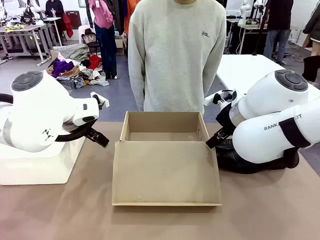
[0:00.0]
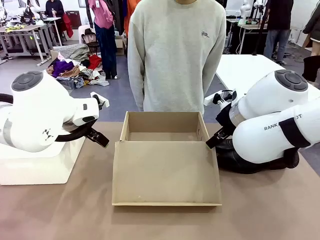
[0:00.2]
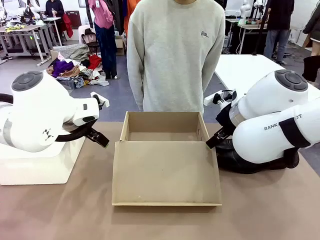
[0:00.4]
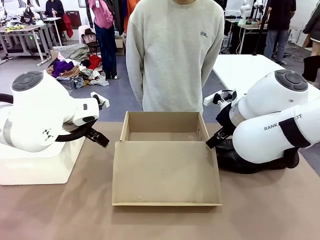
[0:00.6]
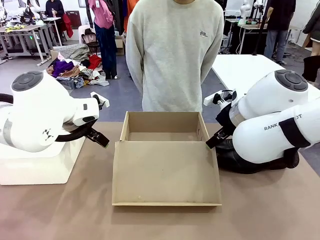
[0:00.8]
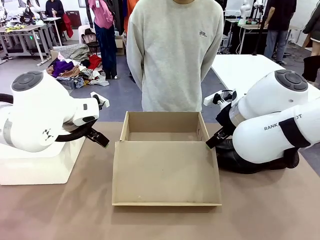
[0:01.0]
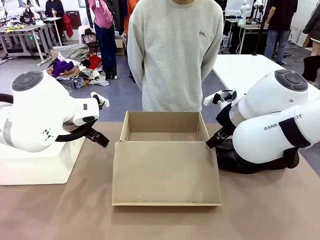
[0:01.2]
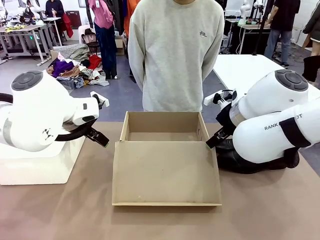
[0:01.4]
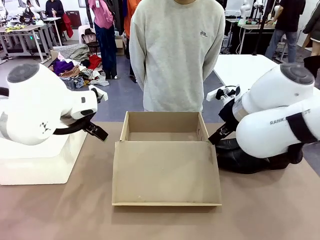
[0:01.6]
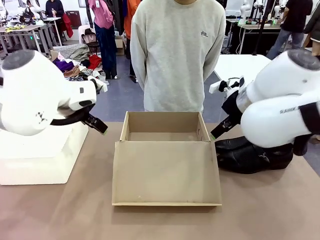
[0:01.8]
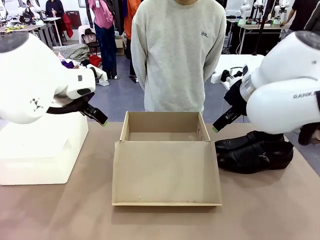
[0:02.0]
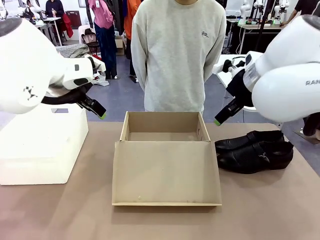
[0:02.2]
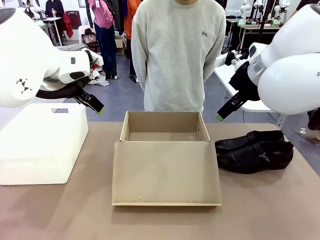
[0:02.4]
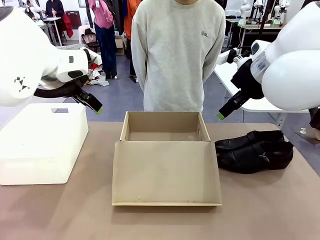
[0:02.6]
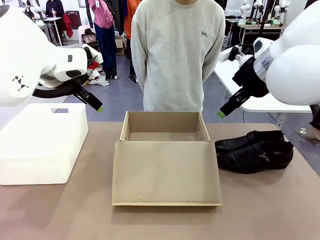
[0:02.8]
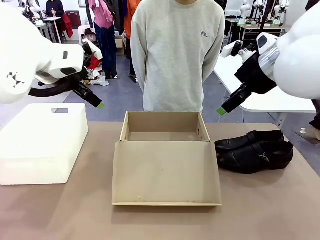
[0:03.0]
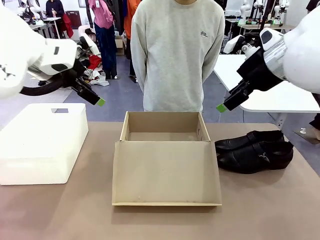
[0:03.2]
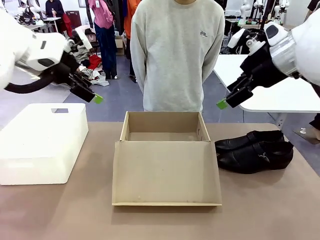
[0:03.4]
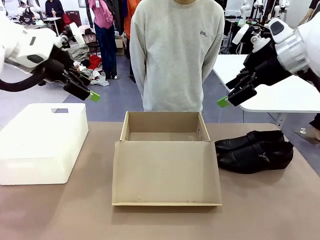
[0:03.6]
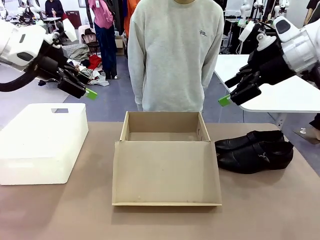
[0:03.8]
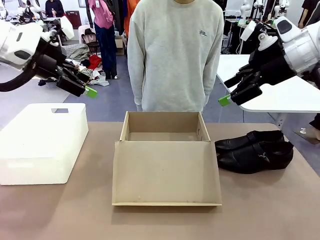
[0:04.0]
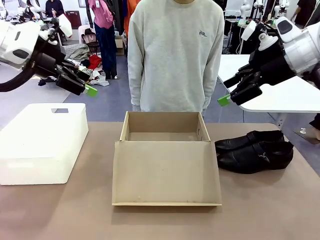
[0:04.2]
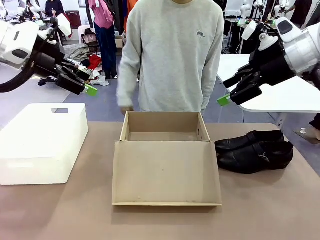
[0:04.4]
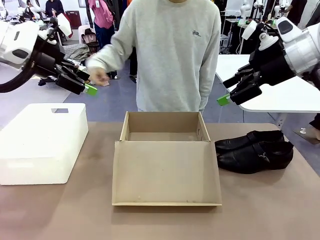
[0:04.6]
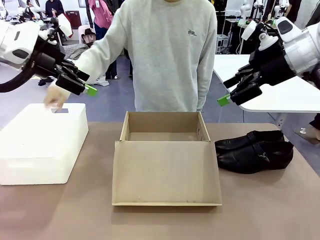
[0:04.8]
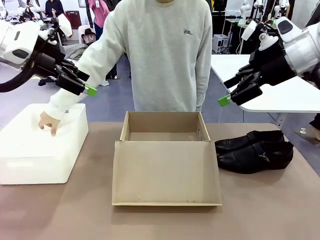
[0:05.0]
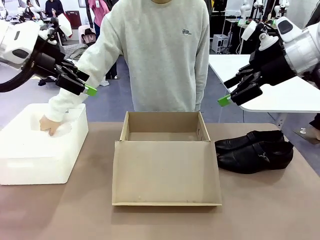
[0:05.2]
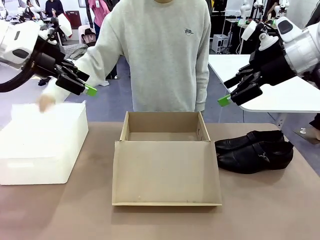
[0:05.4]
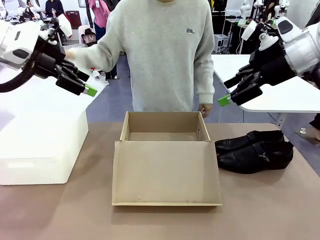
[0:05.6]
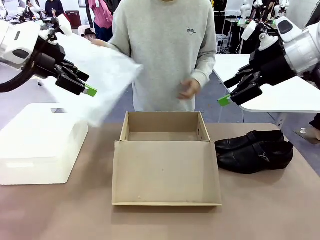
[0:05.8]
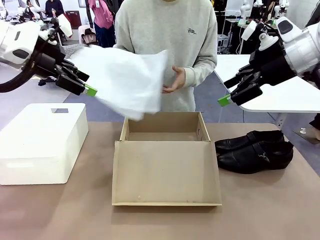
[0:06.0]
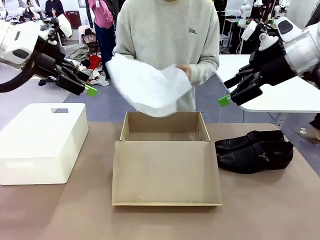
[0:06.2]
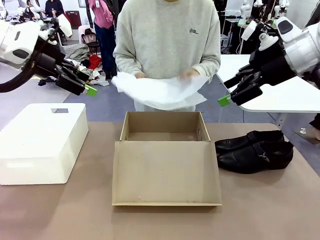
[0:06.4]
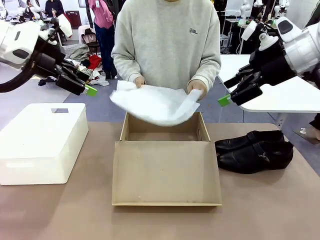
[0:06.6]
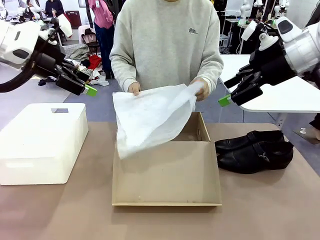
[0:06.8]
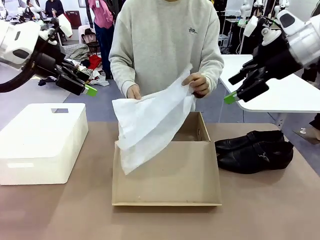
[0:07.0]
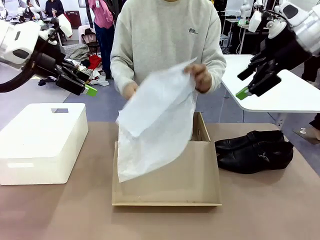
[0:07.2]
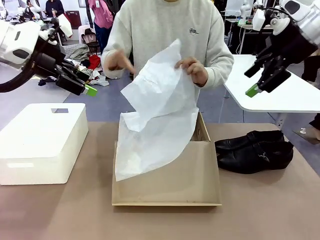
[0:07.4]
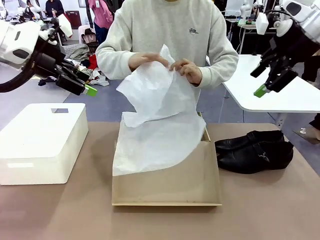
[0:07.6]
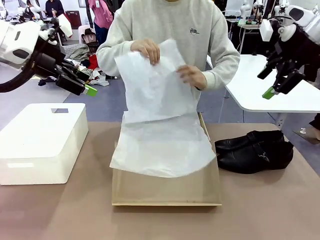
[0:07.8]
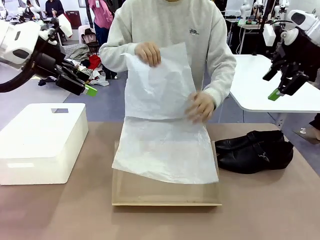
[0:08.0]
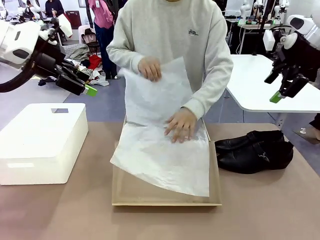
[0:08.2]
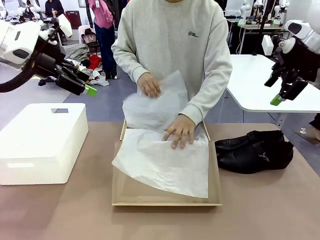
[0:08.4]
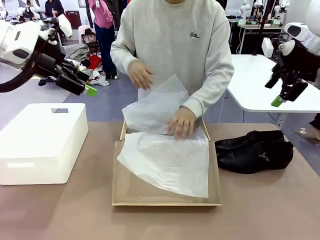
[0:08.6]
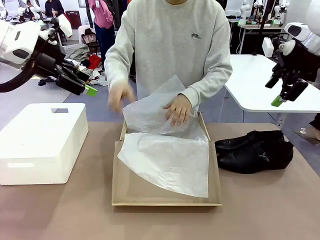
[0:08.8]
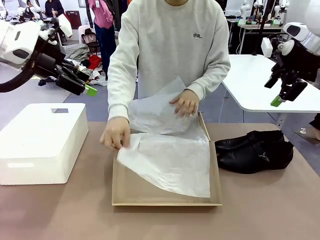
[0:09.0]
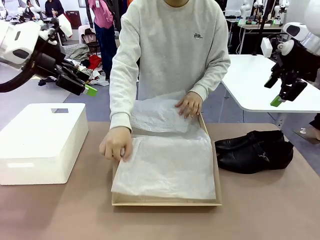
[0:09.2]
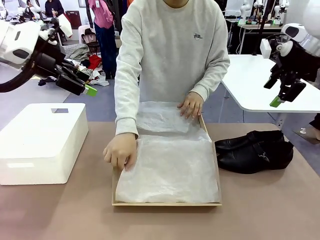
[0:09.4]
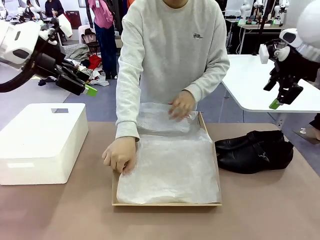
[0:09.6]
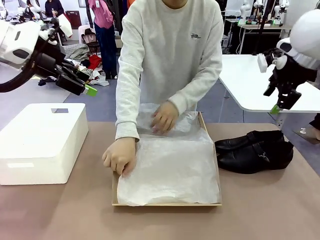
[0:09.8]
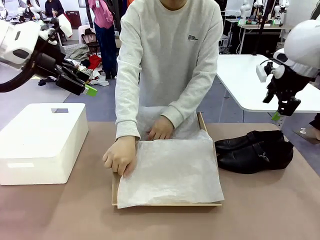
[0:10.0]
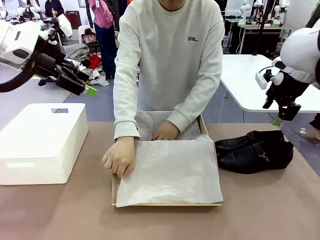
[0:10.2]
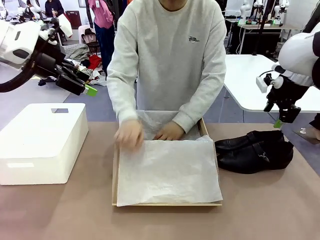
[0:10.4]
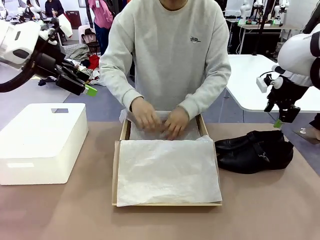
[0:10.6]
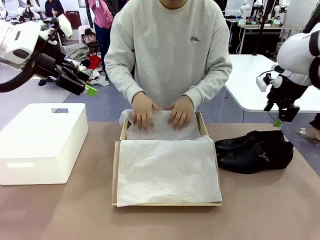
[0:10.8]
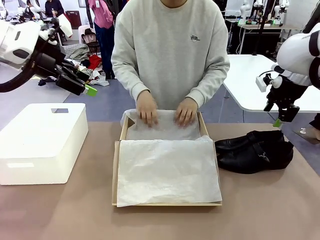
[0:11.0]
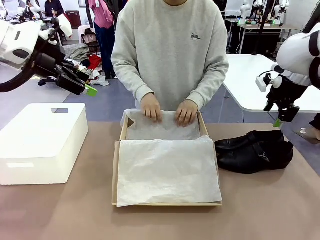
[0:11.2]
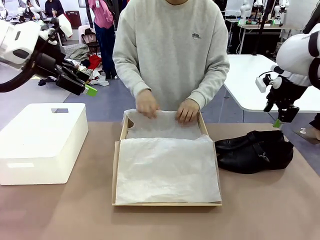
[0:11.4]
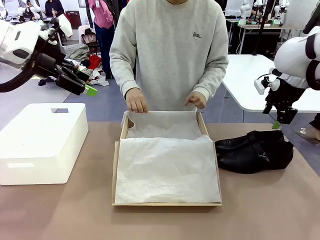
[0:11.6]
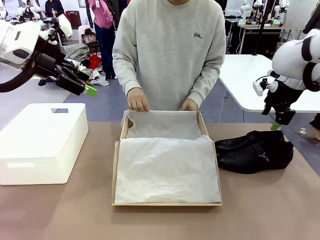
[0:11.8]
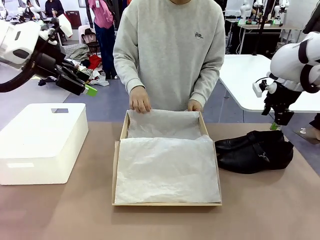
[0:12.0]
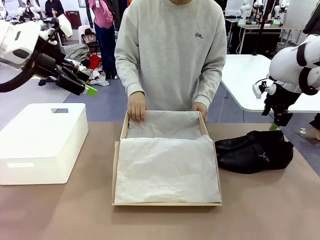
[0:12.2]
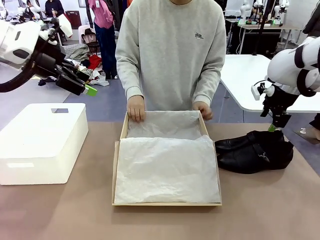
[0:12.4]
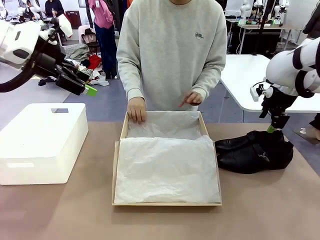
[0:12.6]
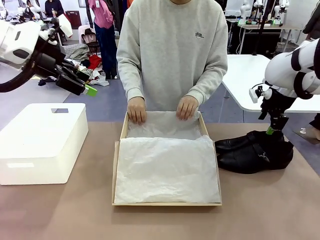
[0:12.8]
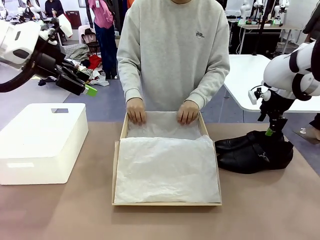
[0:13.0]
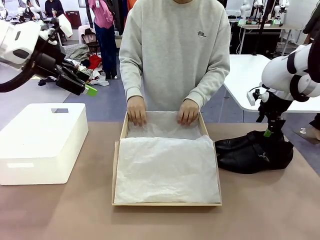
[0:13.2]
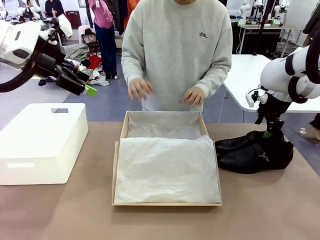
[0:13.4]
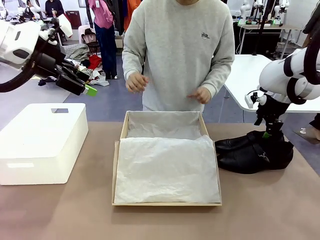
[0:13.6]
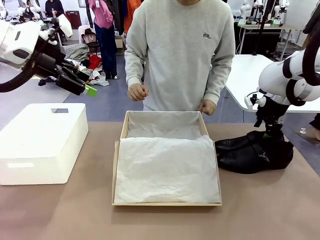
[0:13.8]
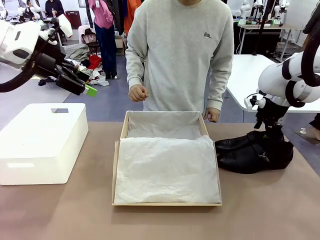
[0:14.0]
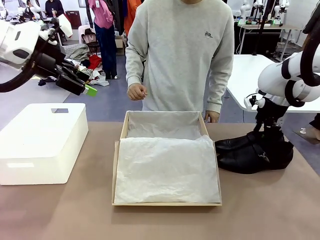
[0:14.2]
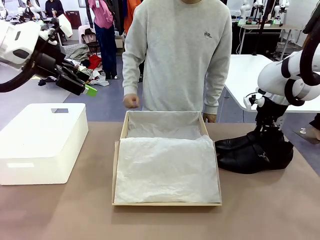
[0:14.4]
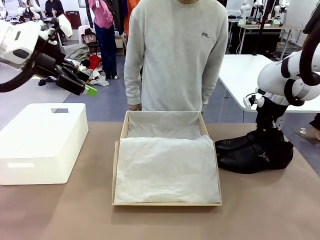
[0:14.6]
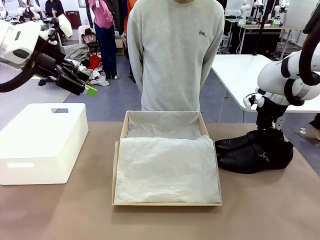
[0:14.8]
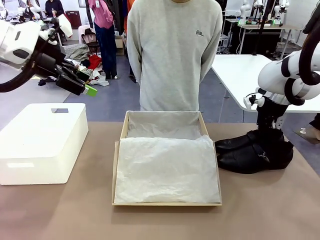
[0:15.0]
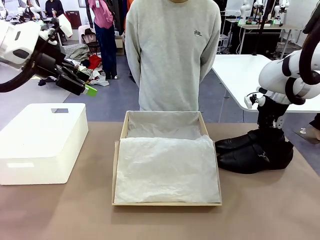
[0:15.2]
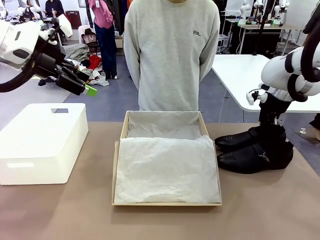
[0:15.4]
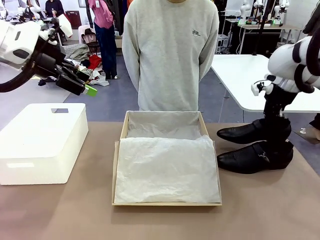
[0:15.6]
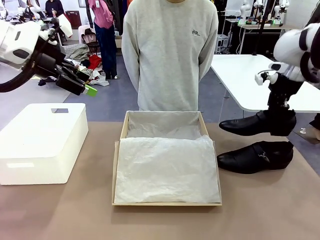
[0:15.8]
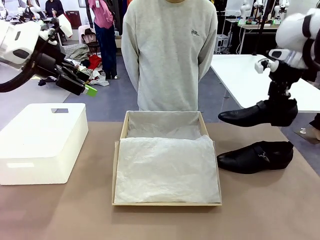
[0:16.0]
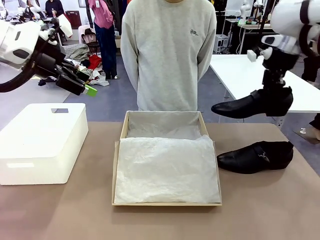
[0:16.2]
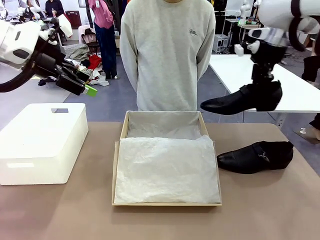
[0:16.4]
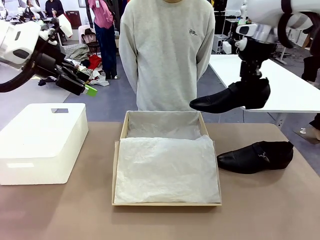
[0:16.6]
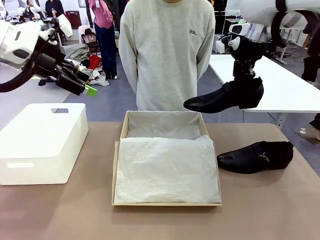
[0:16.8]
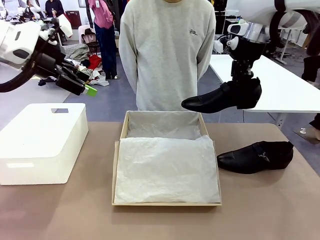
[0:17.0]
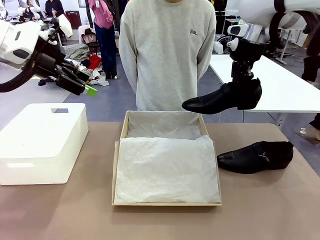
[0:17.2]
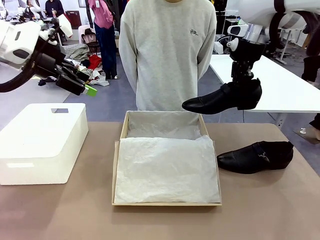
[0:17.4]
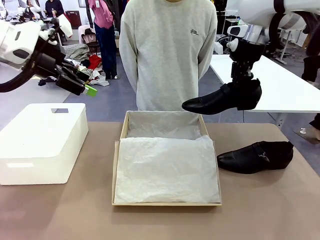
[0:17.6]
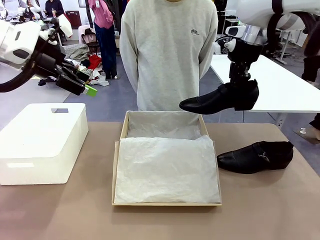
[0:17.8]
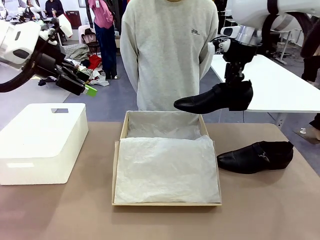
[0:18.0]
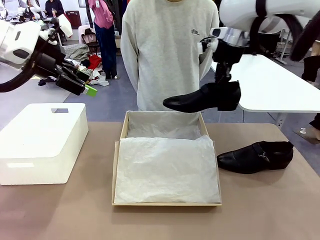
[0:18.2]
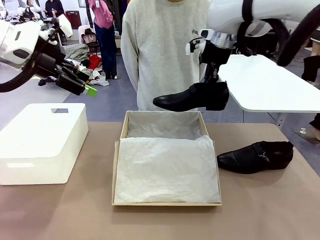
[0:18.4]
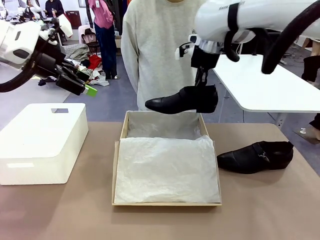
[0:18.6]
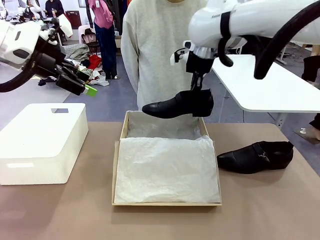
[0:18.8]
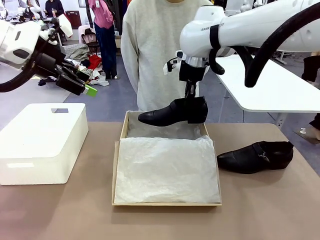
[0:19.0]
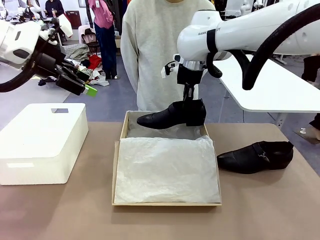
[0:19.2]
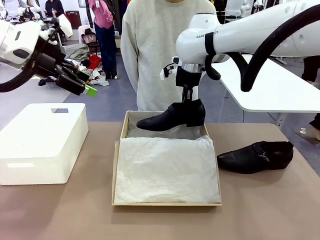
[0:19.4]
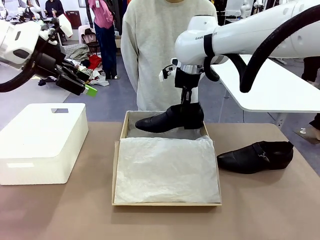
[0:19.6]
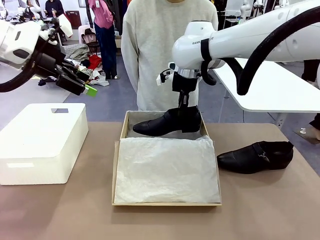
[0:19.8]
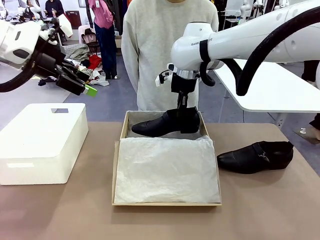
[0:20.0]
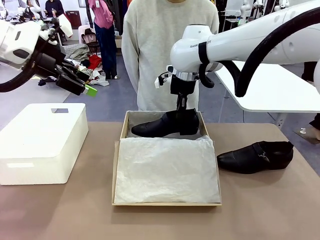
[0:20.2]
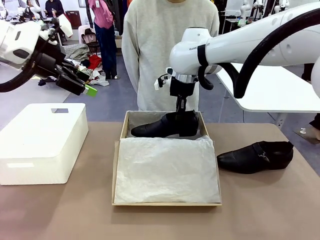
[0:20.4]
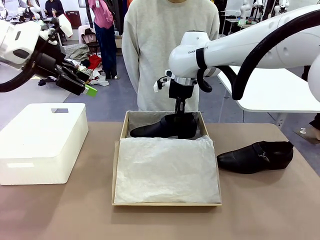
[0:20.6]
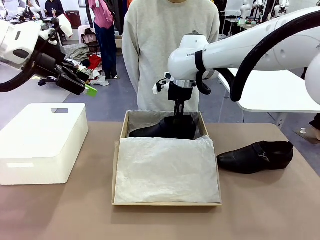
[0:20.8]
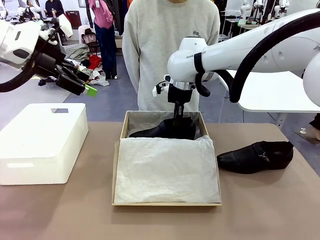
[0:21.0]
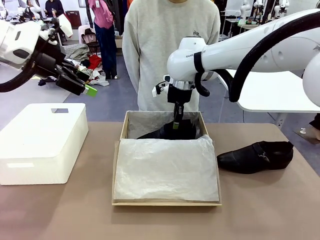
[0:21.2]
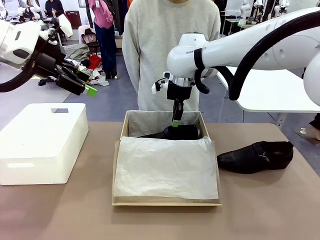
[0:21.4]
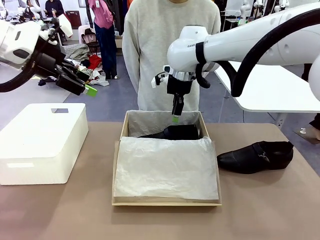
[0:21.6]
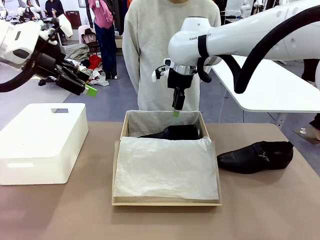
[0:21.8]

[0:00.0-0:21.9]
Task: Pack the shoes into the box.
Robot: Place one shoe of the Shoes into the Shoes Box.
Person: Spread Shoes Wrapping Paper and place inside the Shoes Box.
